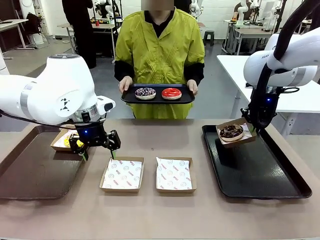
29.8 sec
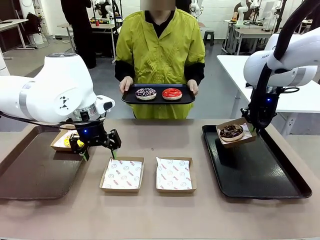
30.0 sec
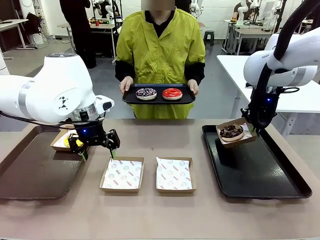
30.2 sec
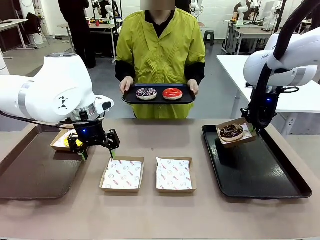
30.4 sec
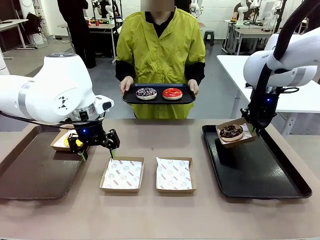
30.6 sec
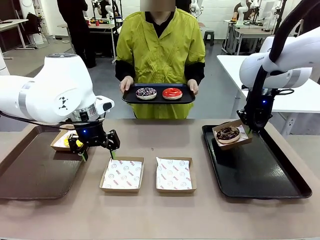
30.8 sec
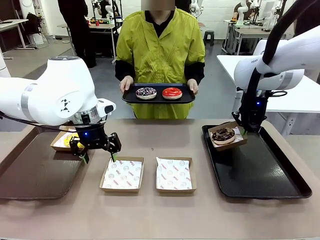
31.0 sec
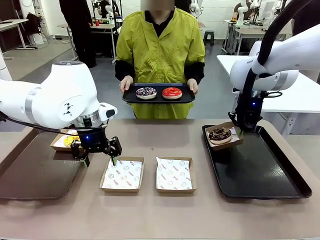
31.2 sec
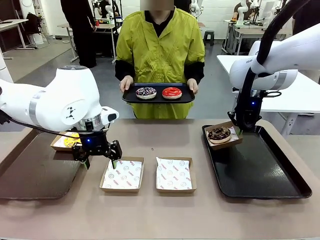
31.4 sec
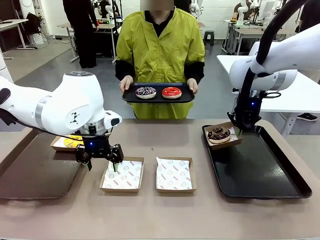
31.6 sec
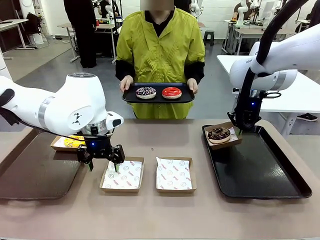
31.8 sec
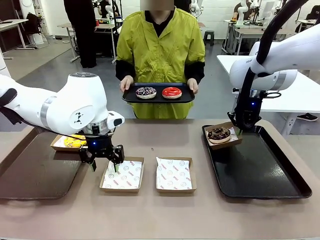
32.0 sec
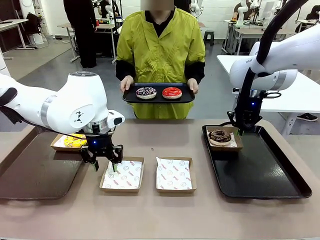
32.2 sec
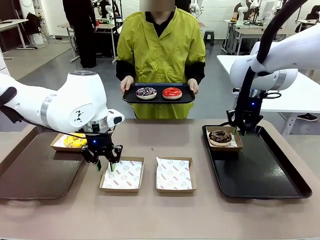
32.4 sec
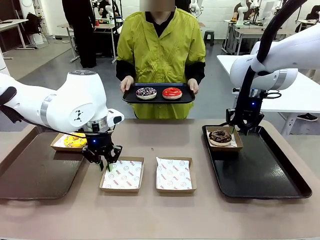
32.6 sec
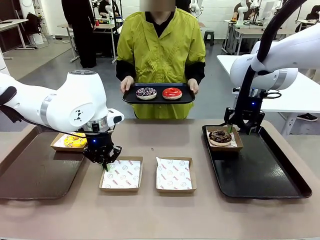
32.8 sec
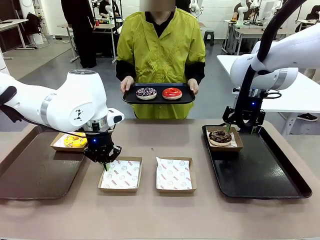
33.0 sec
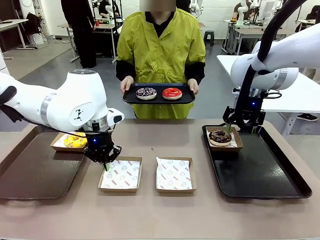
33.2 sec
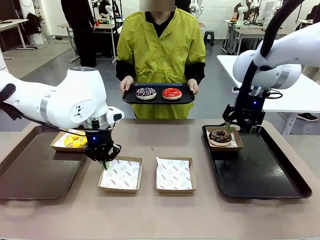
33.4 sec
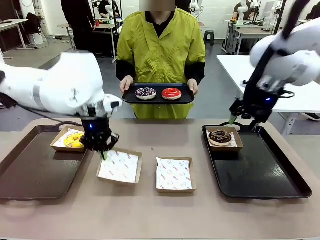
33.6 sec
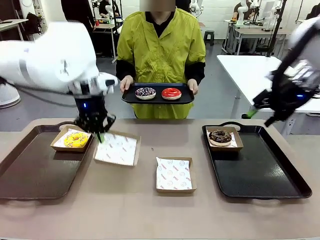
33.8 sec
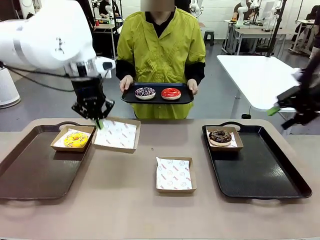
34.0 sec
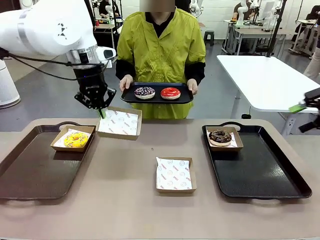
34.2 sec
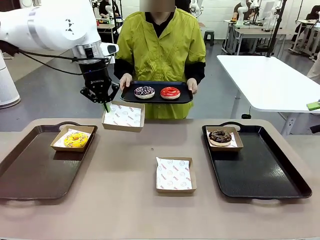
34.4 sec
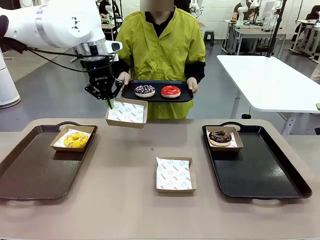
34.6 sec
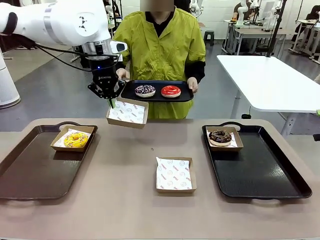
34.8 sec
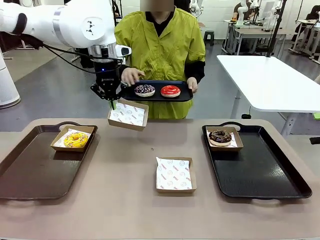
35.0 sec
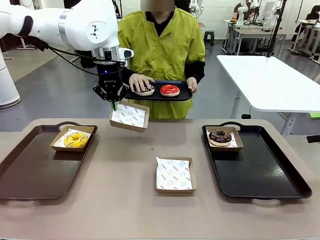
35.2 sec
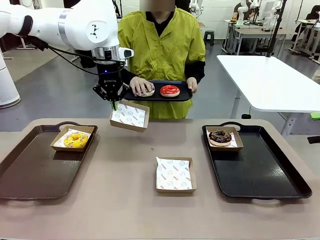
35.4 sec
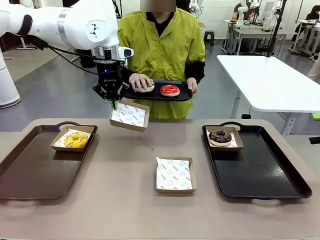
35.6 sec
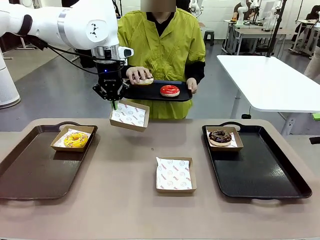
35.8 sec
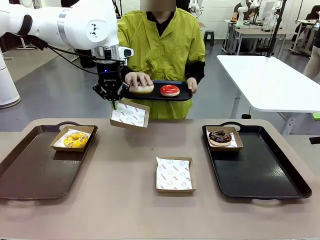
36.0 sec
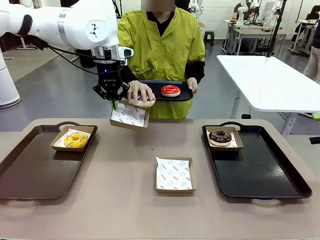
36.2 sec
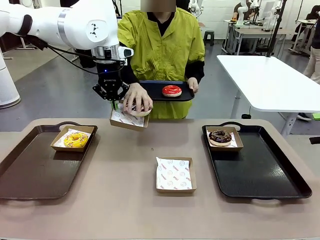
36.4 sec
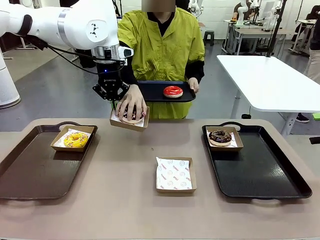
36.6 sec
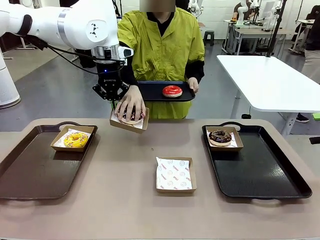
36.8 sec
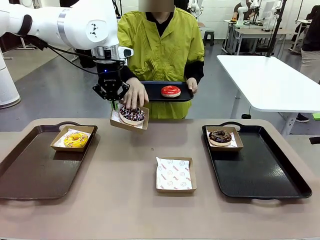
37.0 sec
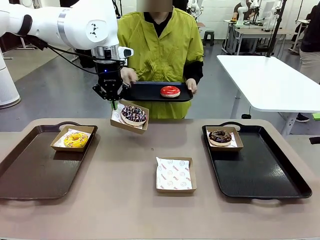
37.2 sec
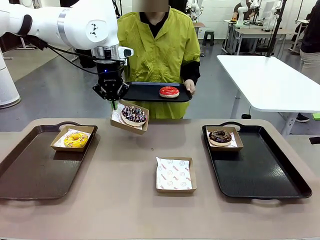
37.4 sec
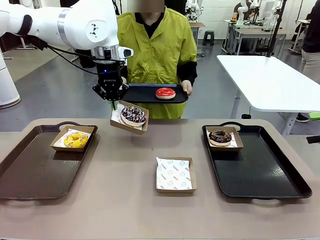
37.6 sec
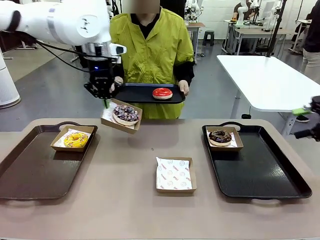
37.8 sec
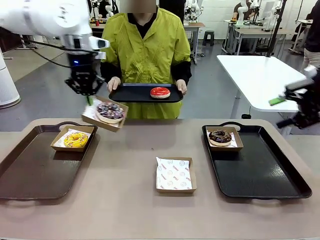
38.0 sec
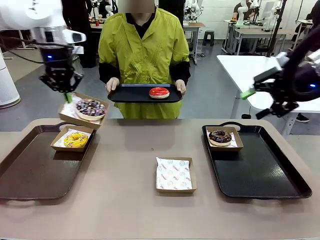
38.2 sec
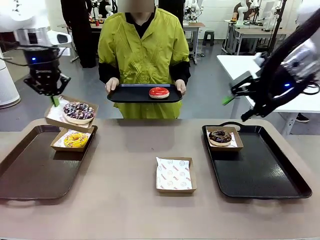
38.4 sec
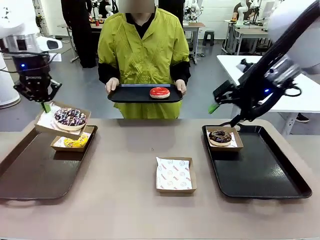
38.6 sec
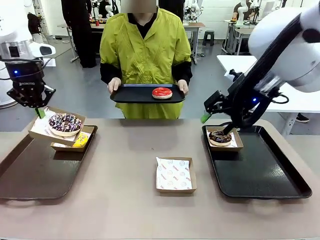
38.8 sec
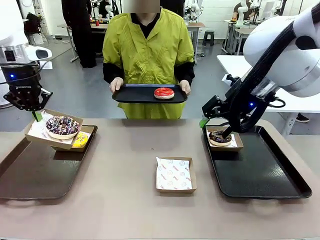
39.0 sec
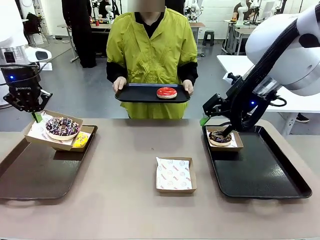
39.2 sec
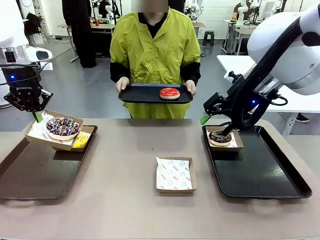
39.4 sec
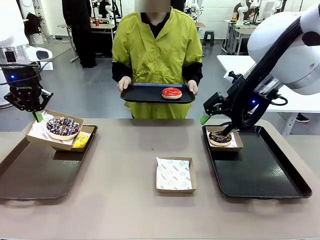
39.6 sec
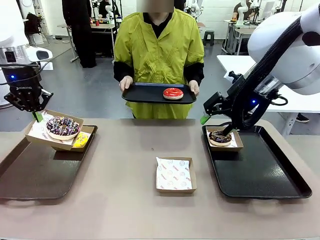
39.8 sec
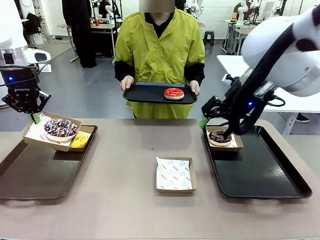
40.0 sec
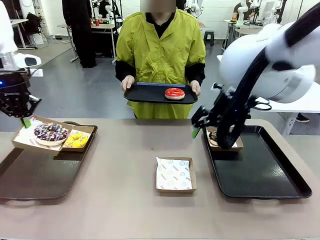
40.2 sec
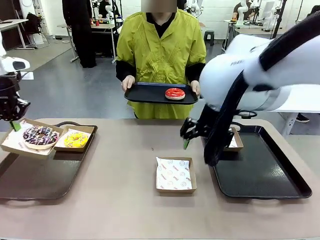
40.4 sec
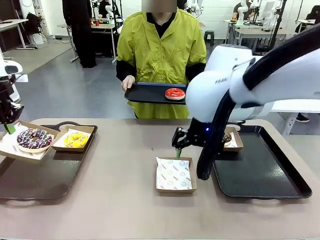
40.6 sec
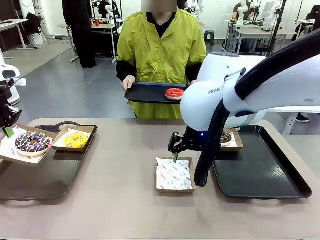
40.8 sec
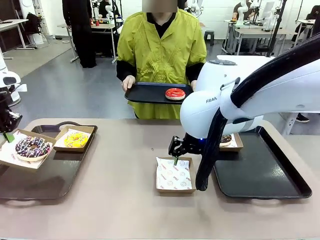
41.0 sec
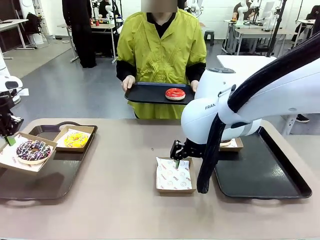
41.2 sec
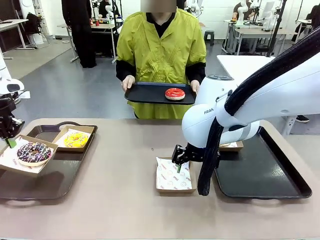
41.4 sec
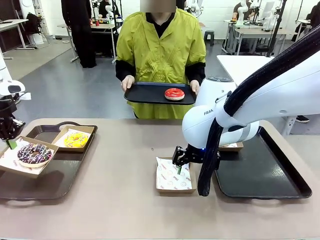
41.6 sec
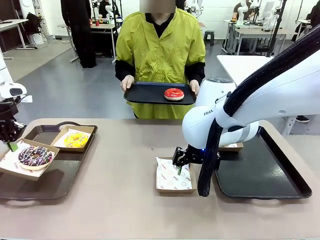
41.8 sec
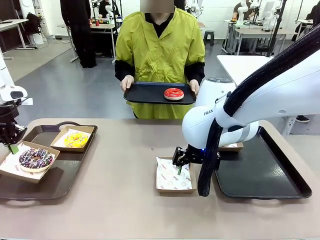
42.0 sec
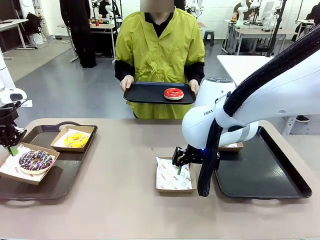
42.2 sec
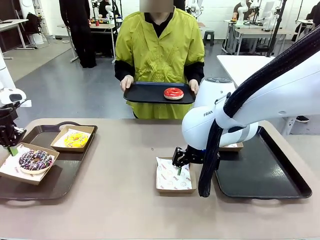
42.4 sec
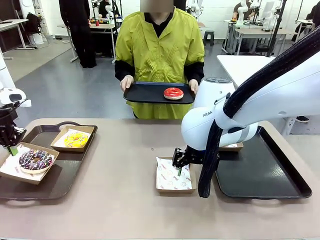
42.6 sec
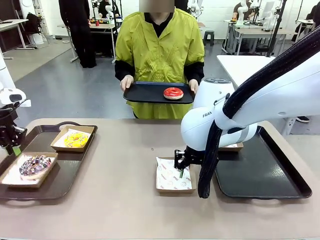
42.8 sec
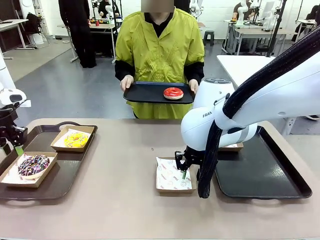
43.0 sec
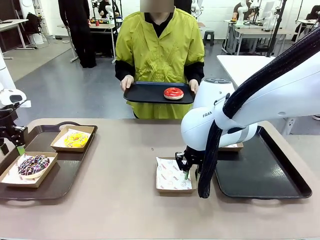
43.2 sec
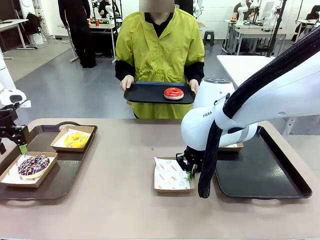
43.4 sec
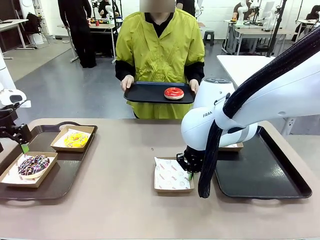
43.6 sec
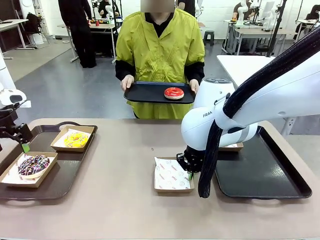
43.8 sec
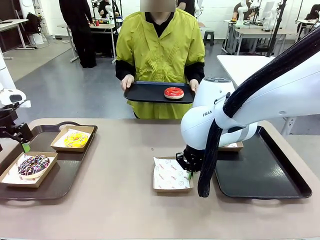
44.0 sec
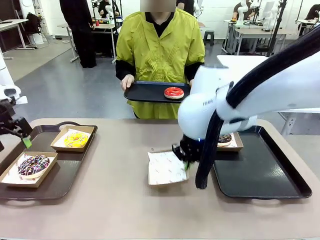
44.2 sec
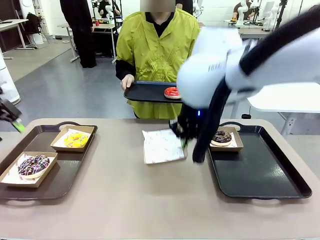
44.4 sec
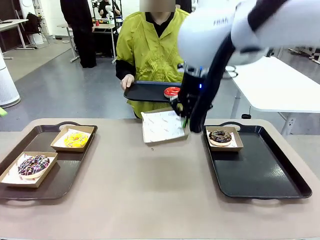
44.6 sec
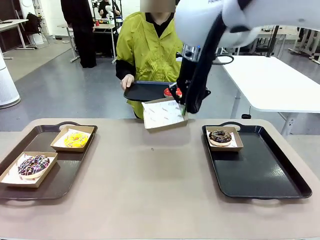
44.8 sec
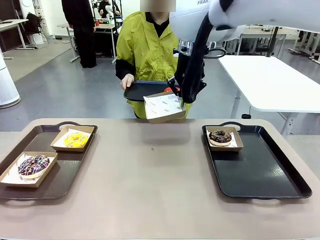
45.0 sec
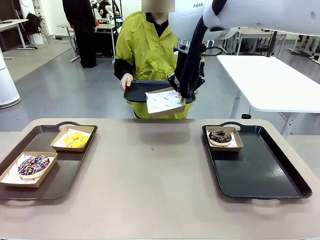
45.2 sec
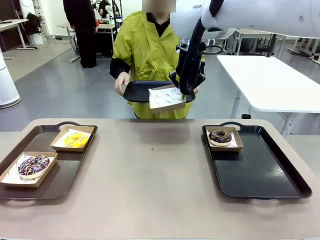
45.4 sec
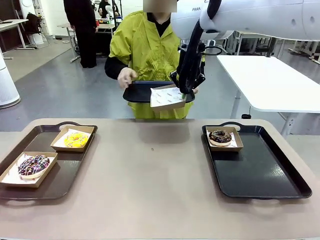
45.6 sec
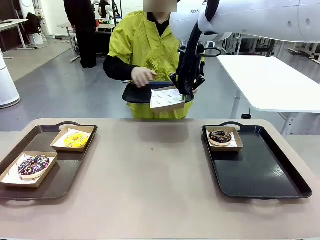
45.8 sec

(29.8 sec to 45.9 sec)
Task: Individually package the donuts and arrange them on the tray.
Robot: Place the picked Paper togo box on the Handle tray while simultaneously picking up another Paper togo box from the table with the other hand.

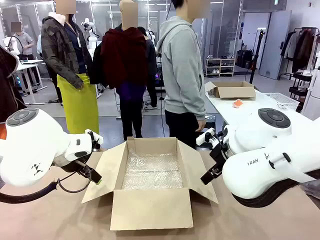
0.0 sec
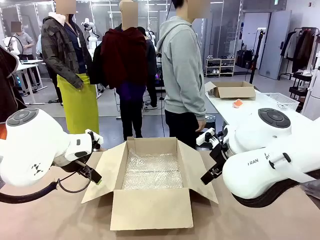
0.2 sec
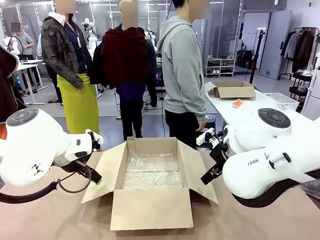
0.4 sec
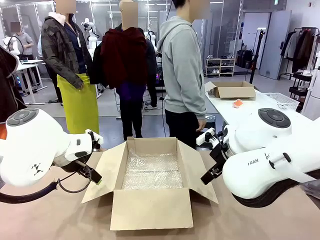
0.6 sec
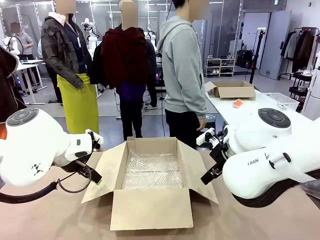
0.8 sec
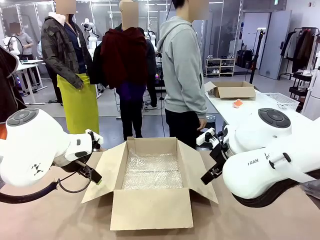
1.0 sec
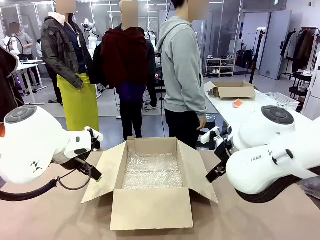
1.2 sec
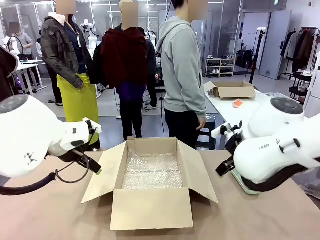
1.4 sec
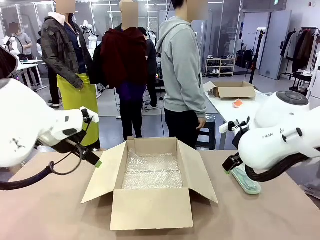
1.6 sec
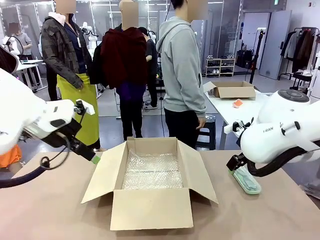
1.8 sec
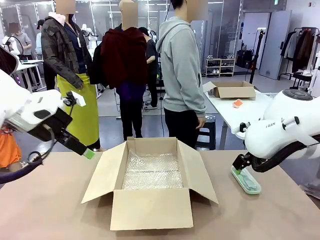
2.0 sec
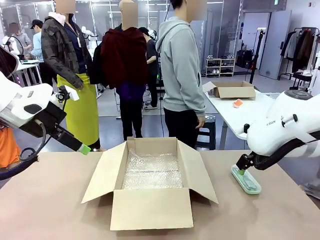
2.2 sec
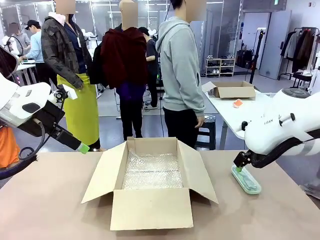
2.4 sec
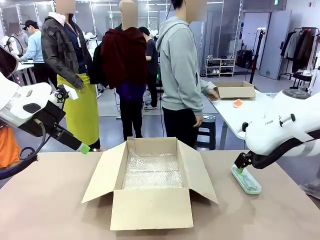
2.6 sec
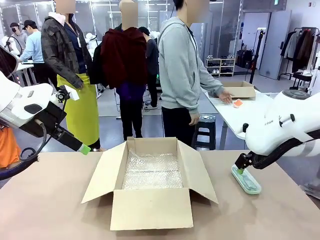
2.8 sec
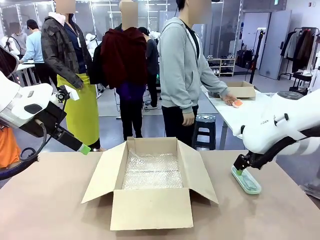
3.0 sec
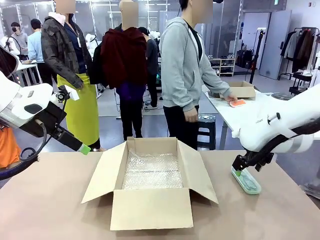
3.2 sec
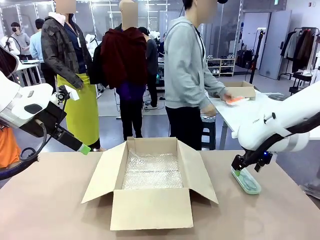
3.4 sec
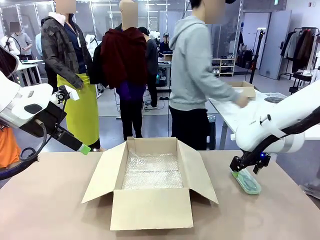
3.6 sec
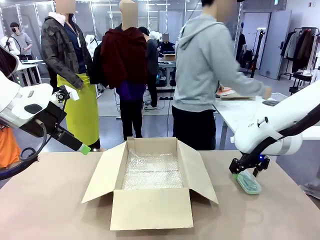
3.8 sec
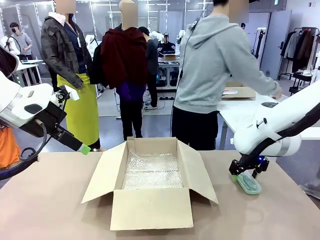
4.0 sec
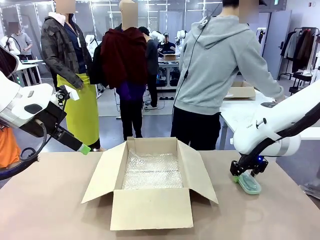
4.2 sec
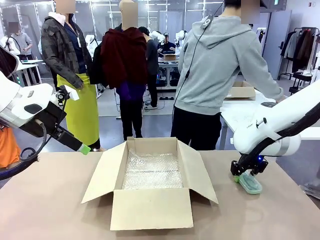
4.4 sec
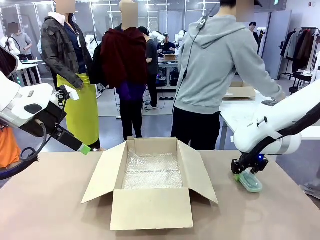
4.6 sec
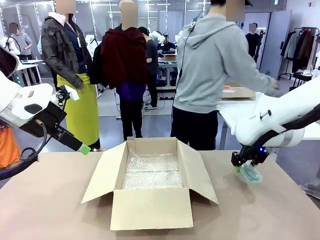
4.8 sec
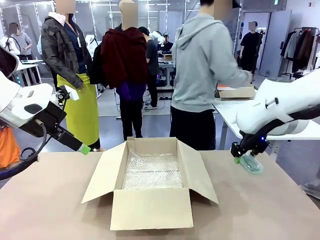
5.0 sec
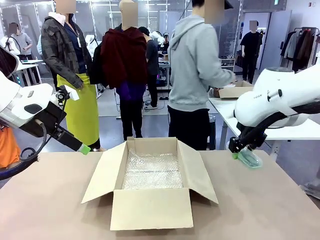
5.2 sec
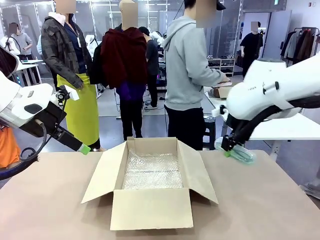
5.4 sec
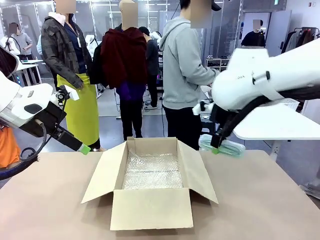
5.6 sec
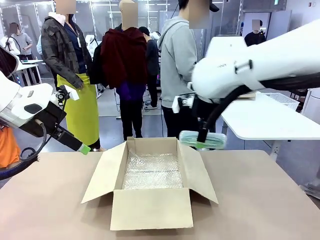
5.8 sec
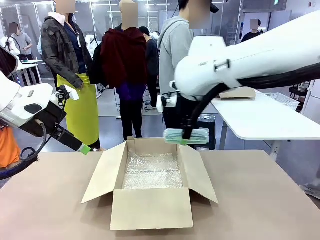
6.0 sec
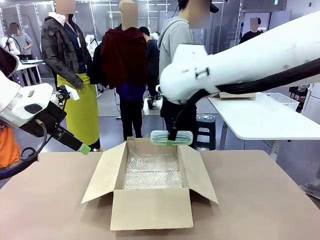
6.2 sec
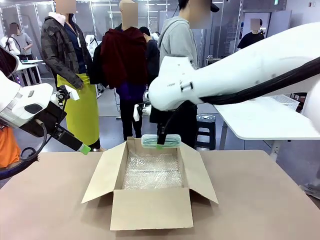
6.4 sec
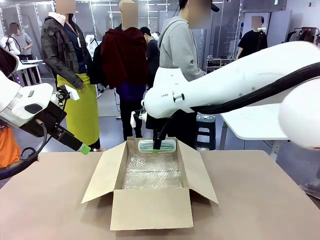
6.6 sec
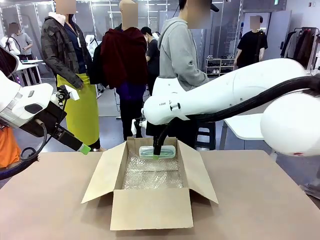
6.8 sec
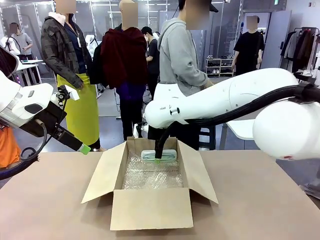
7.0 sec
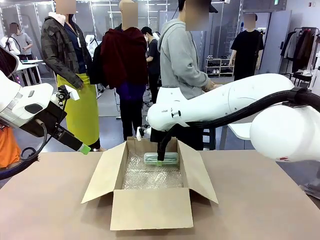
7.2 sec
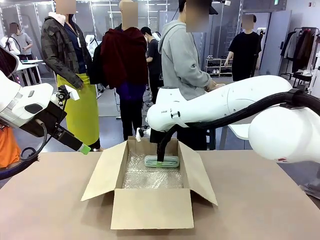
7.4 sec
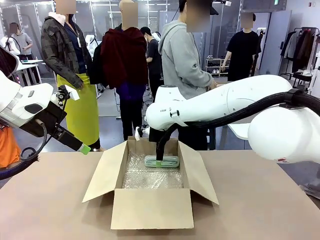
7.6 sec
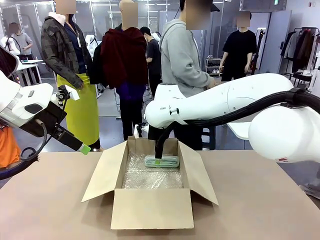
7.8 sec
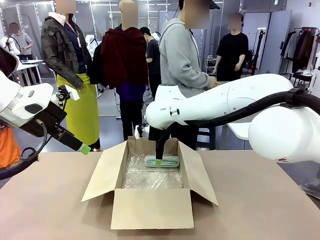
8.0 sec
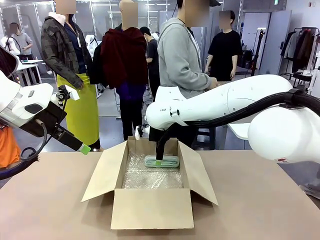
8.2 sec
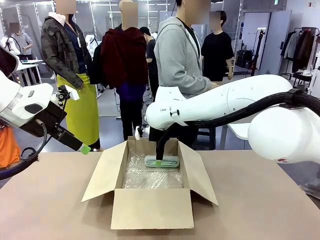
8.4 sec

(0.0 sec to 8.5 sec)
Task: Pack the glasses set securely to prepare it for shipping.
Robot: Place the Glasses case inside the Package Box.
Person: Place the Glasses inside the Glasses case.
